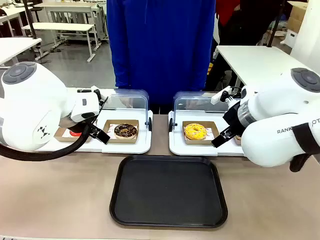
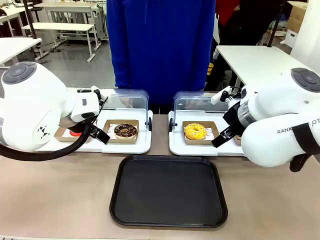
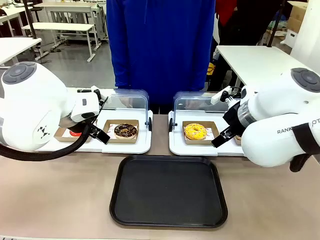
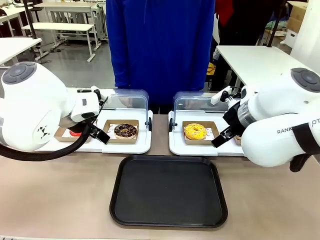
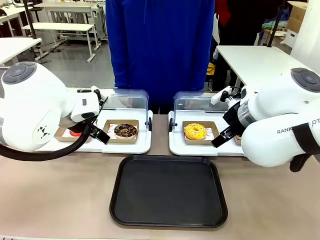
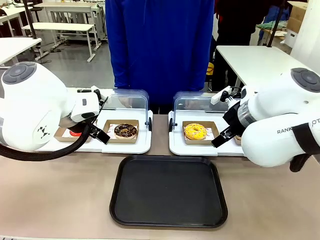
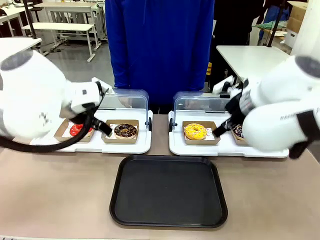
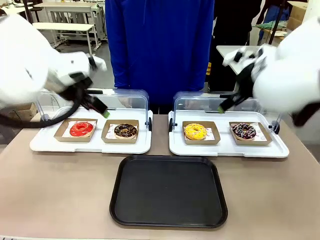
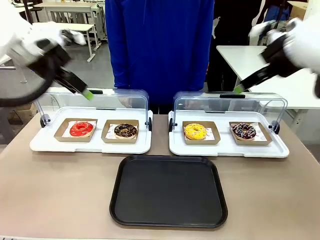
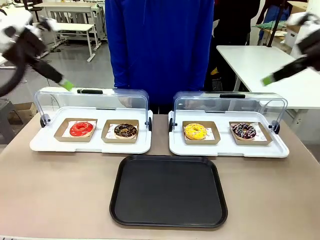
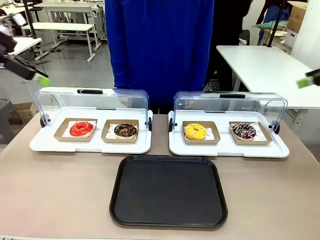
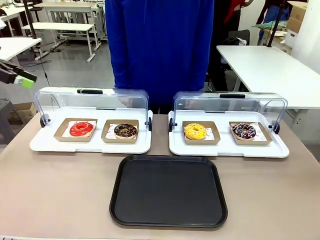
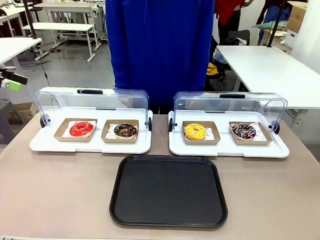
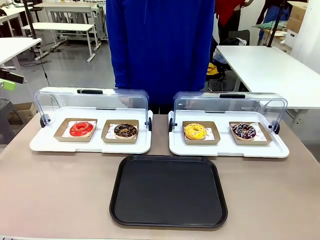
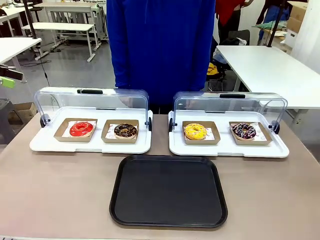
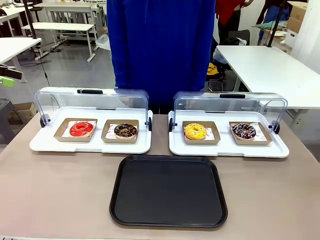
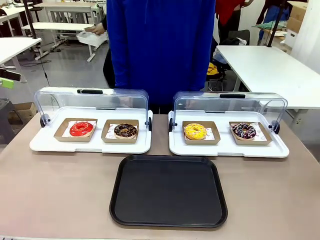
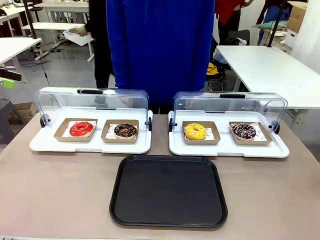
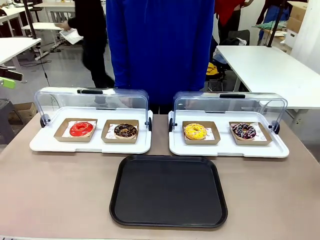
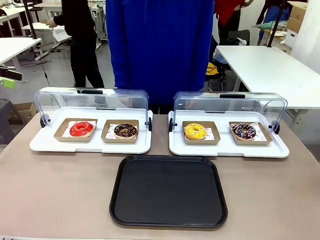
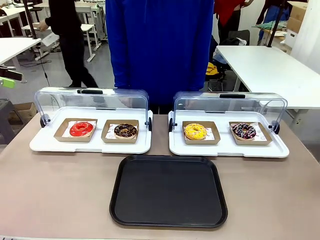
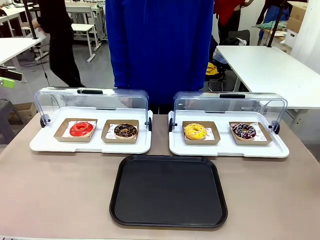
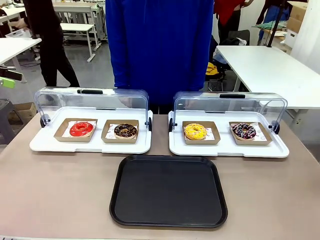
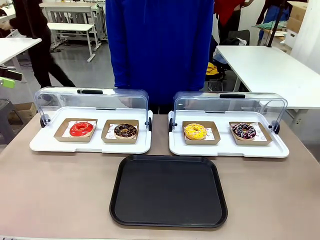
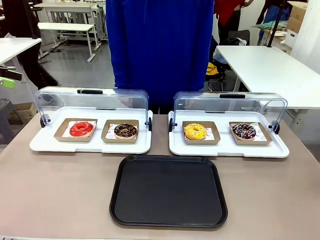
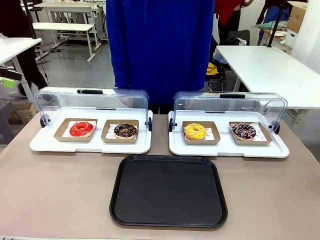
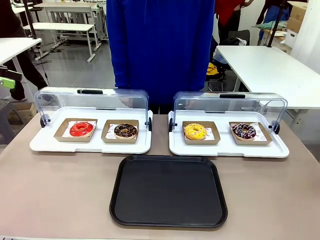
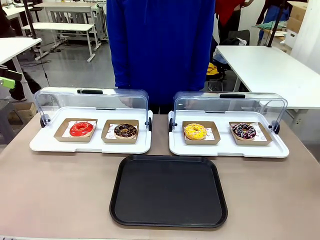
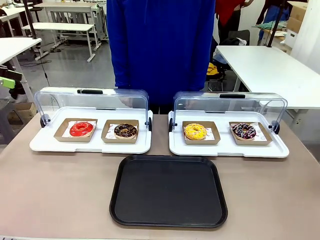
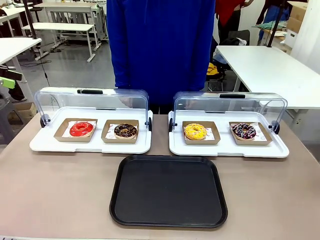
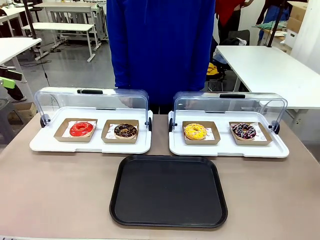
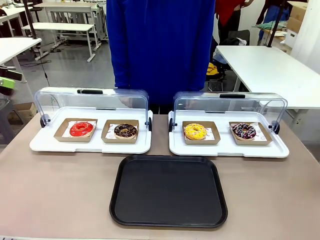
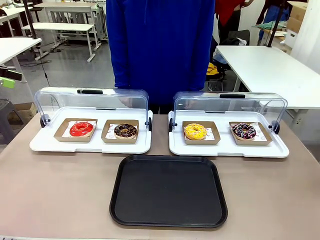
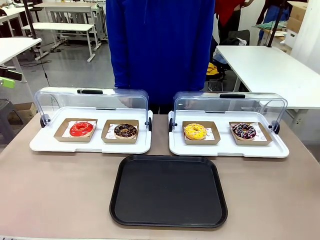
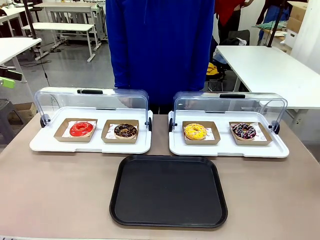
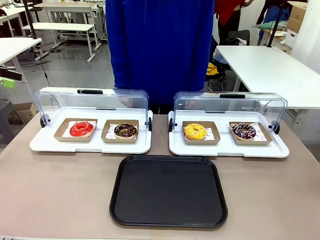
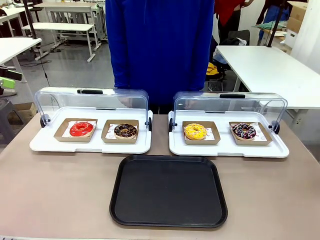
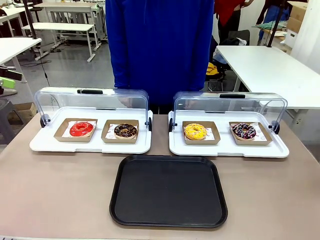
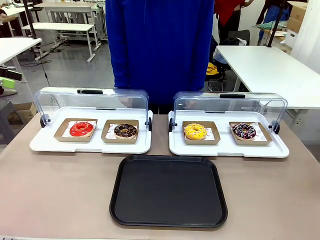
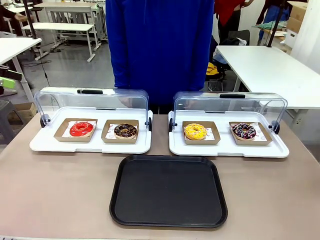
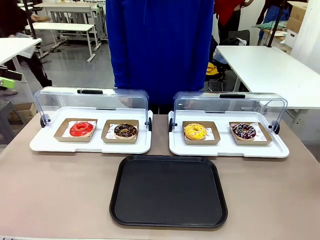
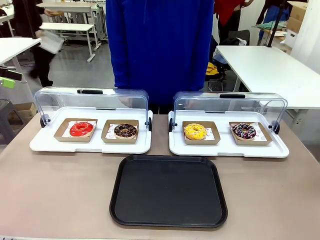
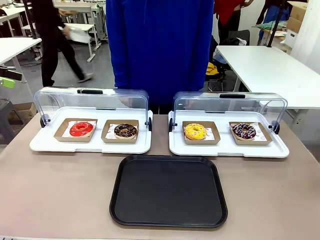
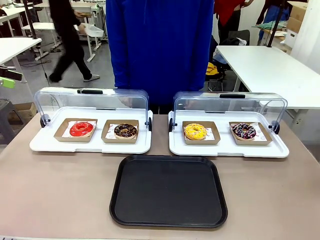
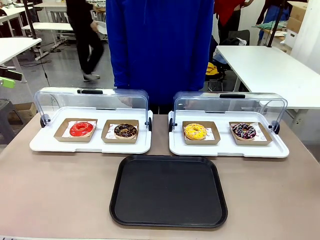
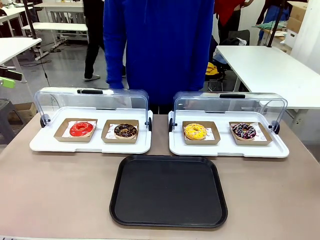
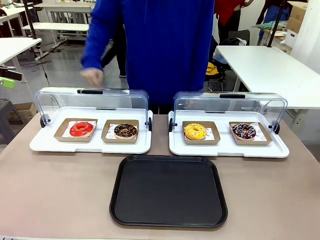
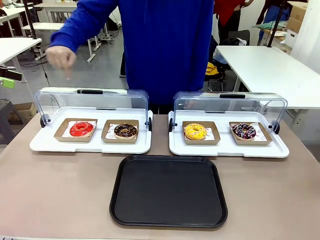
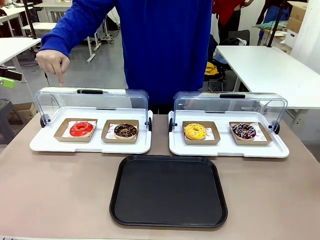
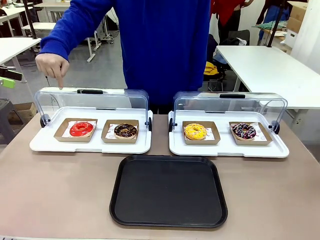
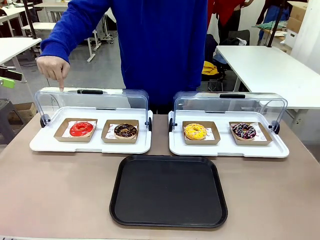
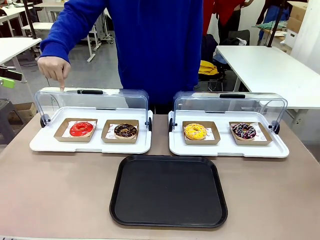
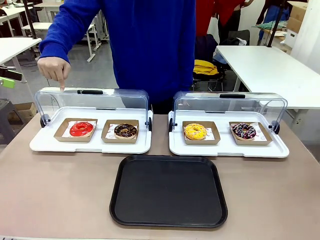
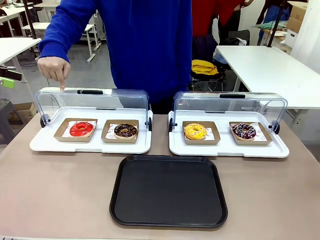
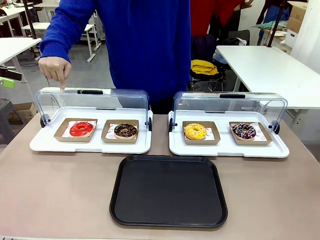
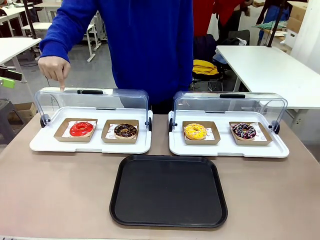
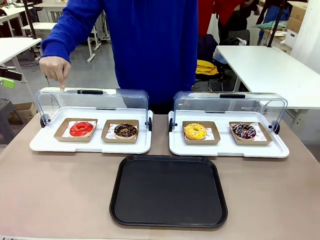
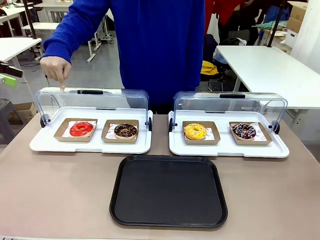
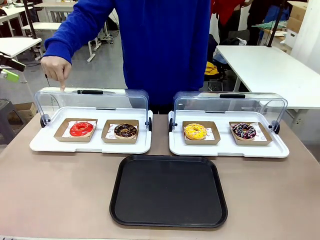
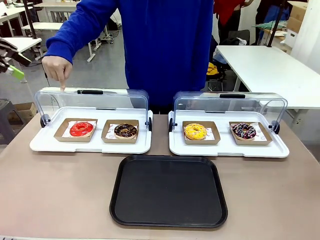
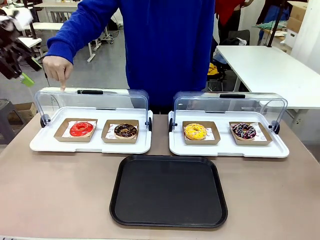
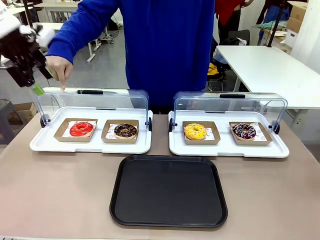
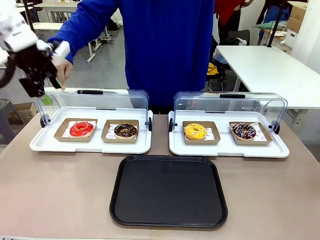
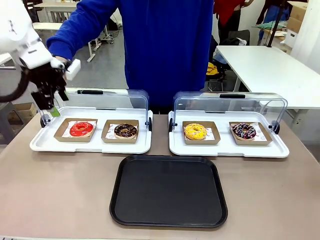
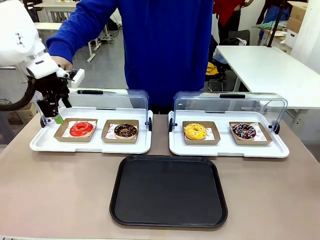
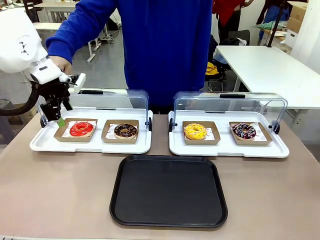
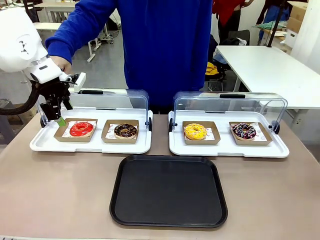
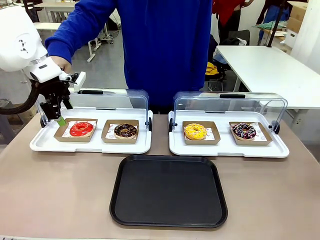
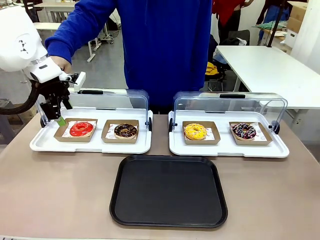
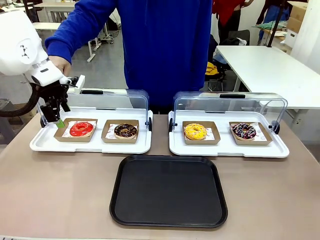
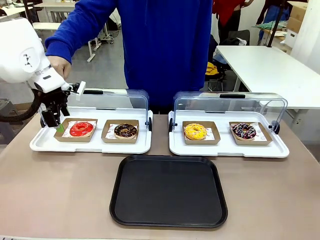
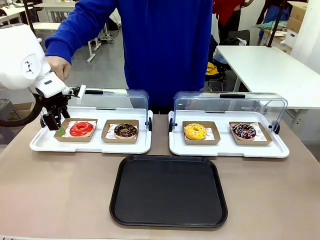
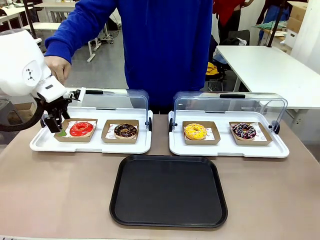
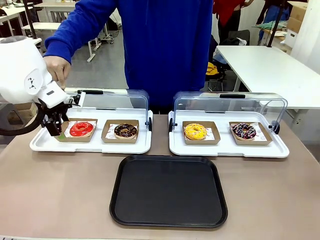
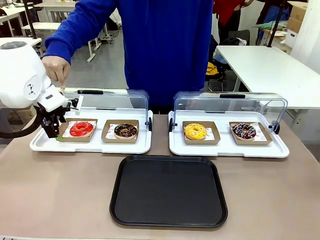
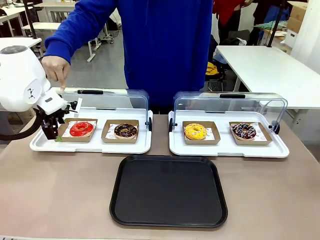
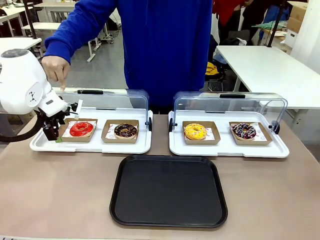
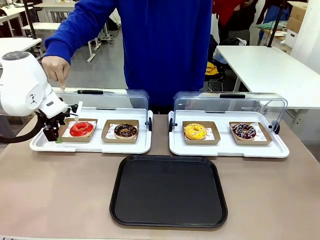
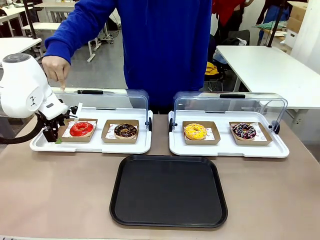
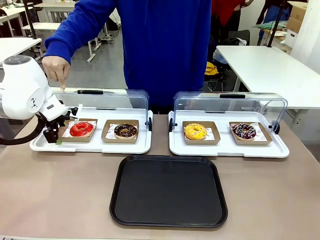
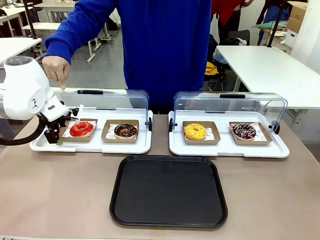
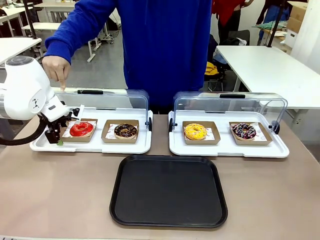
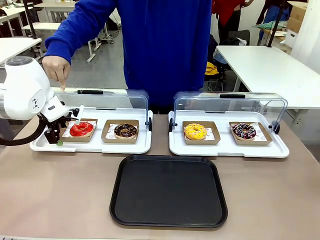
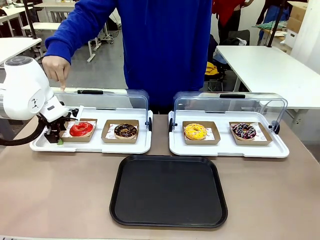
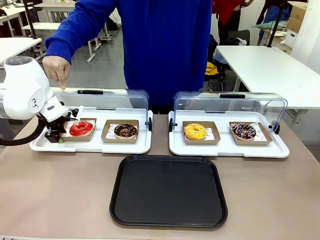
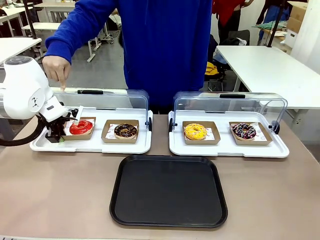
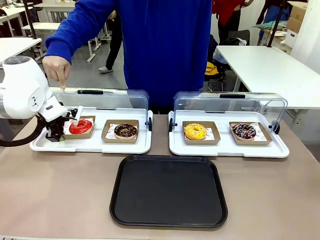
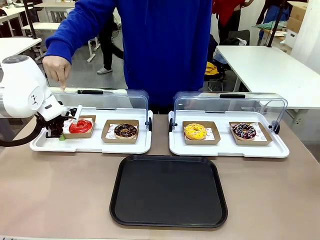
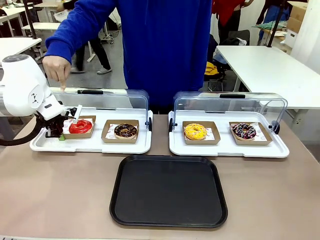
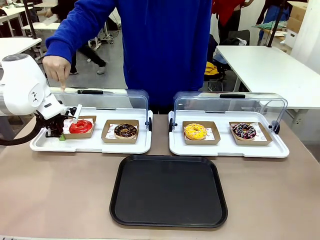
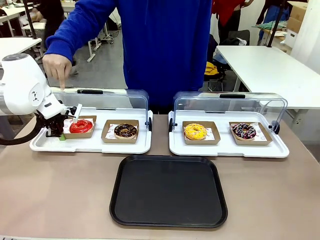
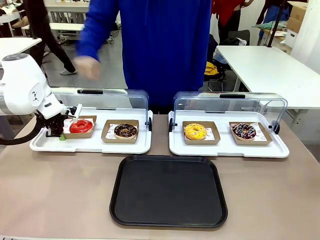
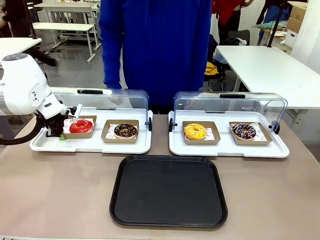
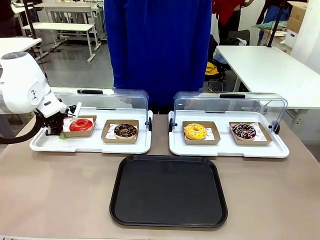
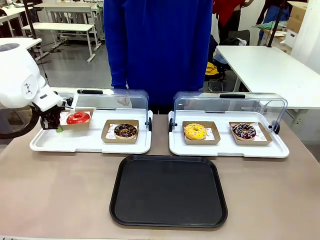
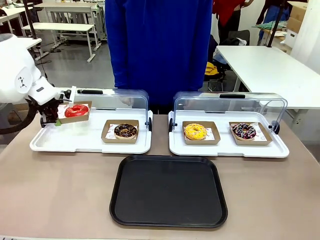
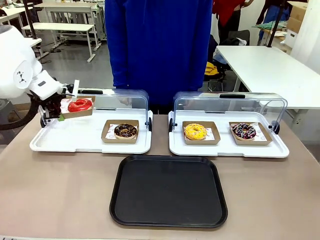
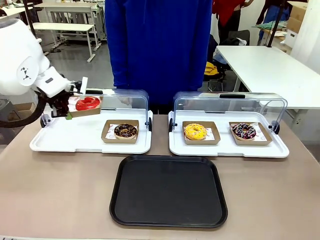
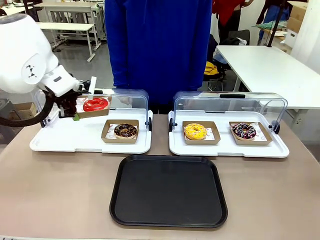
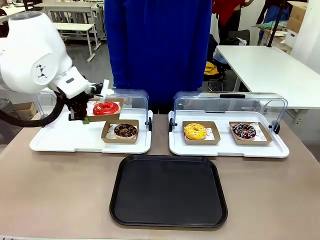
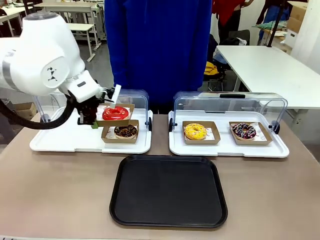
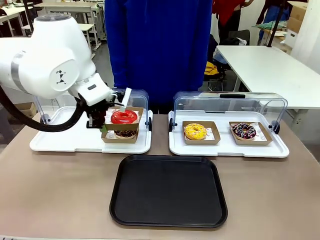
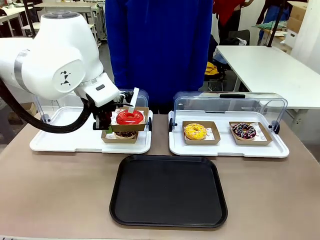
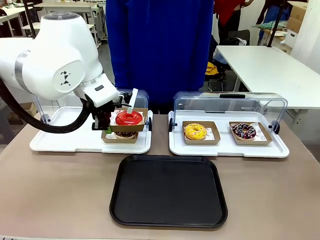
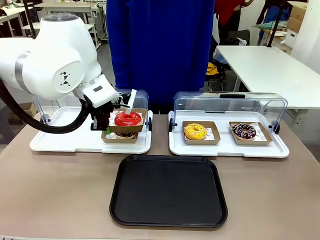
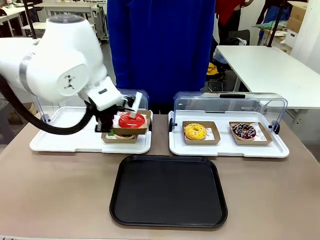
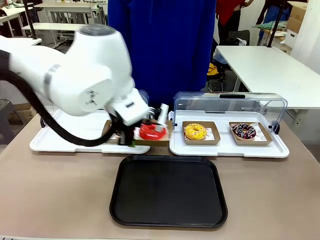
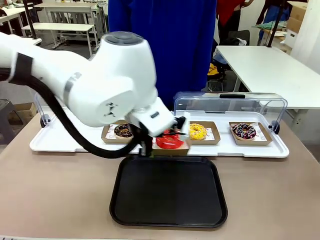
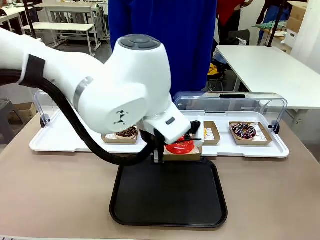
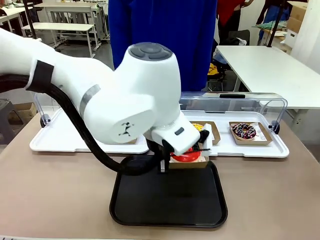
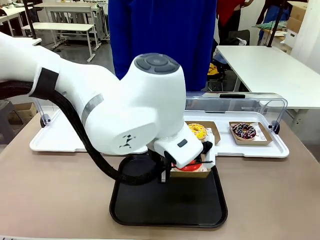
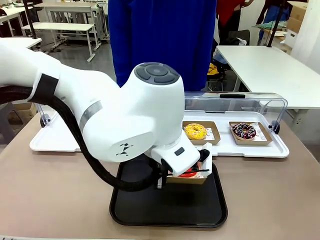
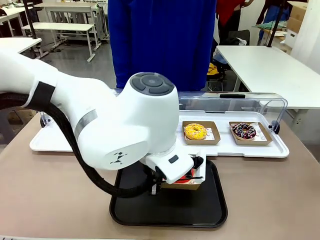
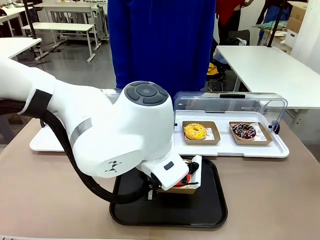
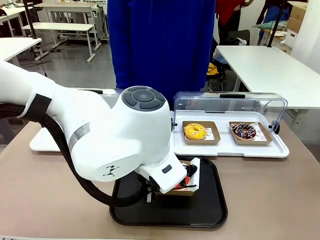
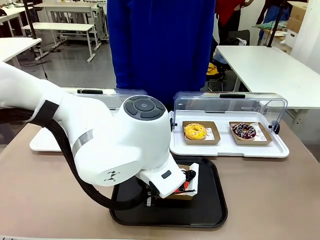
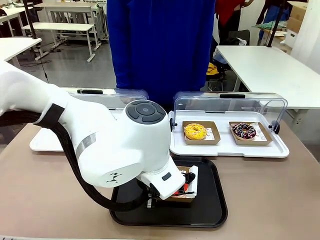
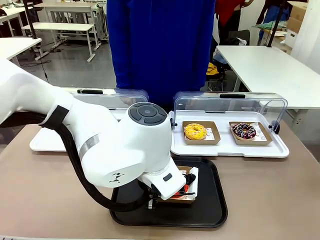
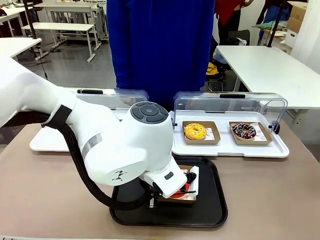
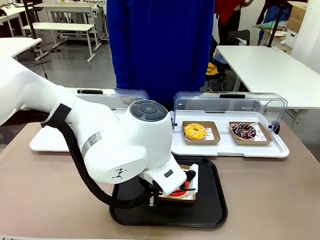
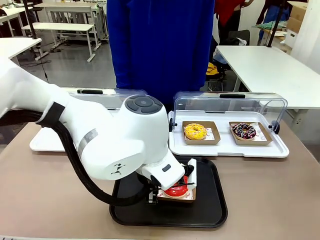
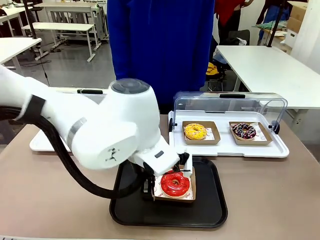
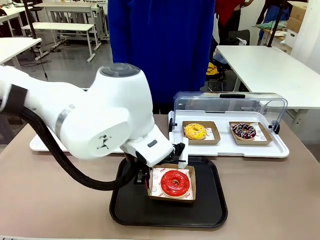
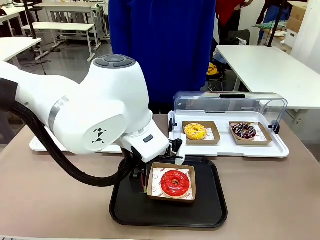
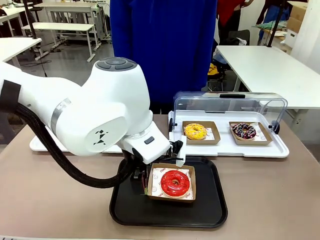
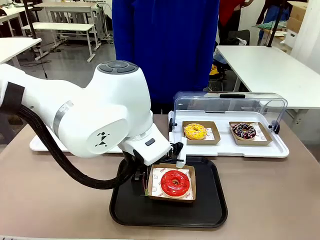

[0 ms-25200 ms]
Task: Move the first donut from the left to the tray.
Robot: Pick up the Paper togo box containing the Donut indicated by the person and place it on the Handle tray.
Person: Points to the first donut from the left from the robot’s perspective.
